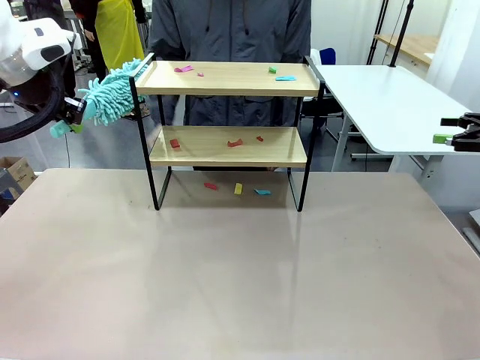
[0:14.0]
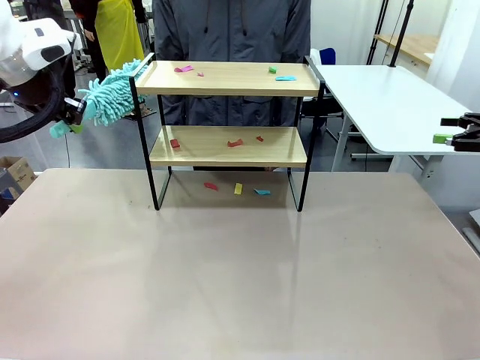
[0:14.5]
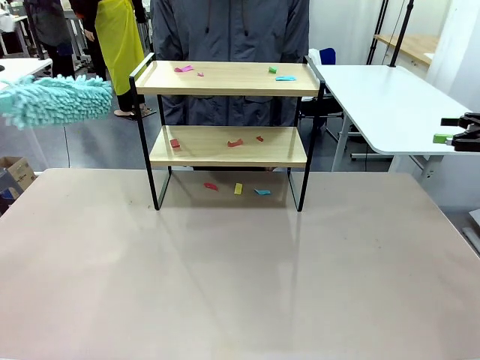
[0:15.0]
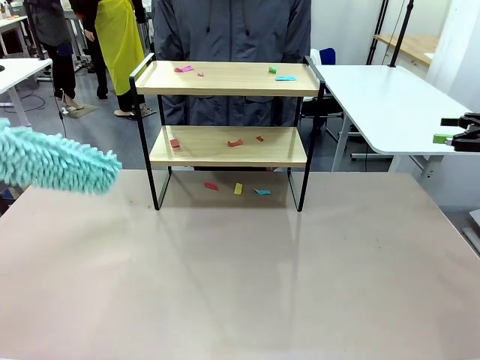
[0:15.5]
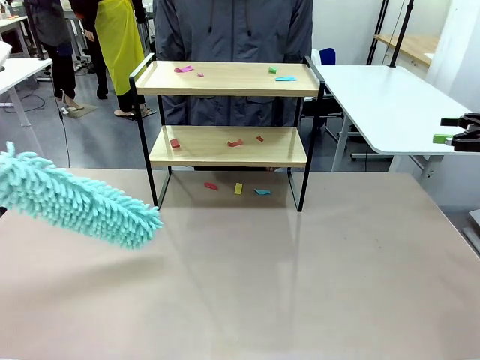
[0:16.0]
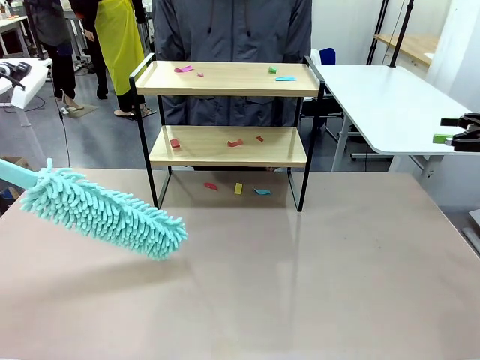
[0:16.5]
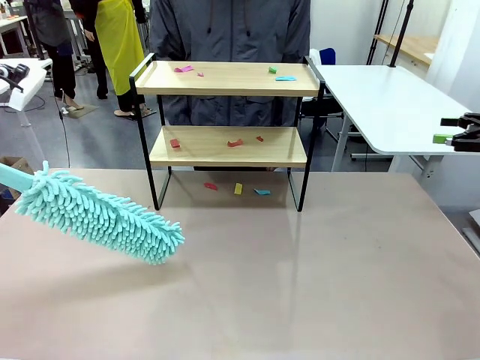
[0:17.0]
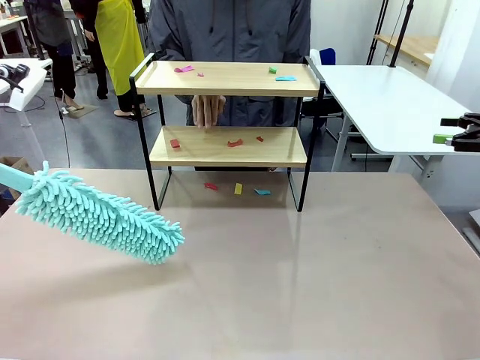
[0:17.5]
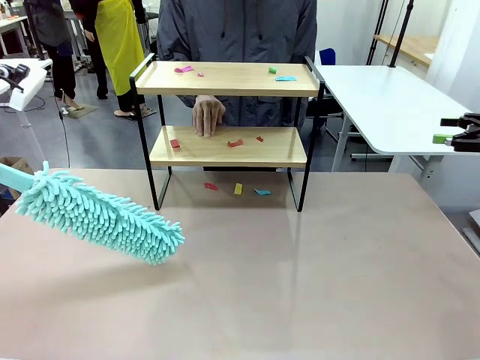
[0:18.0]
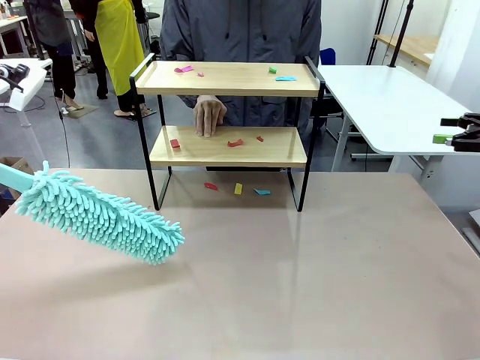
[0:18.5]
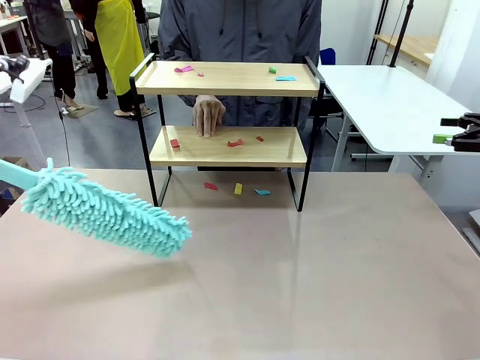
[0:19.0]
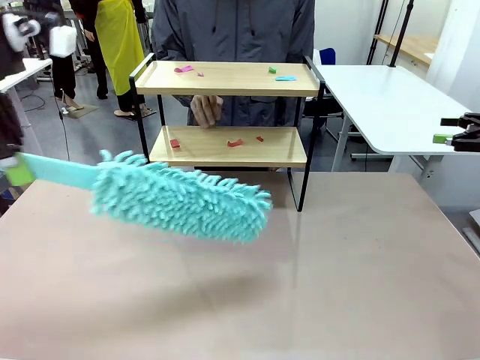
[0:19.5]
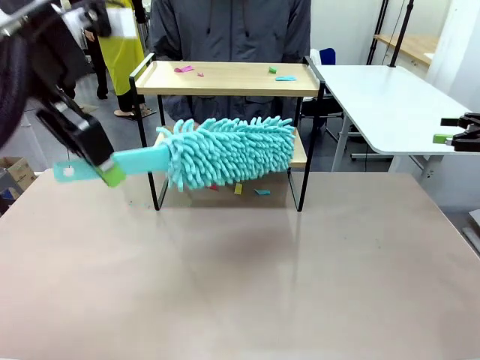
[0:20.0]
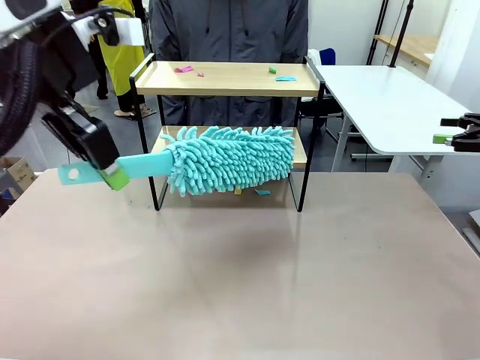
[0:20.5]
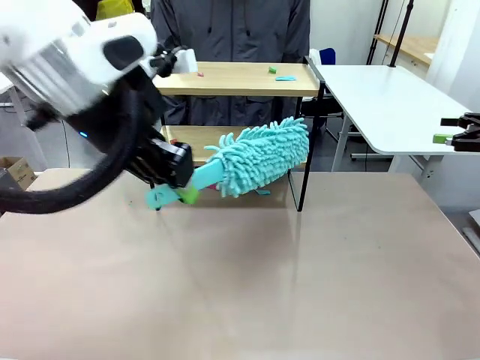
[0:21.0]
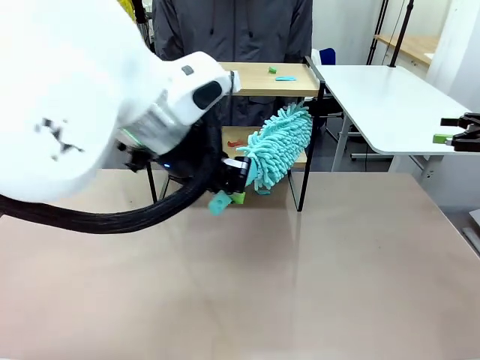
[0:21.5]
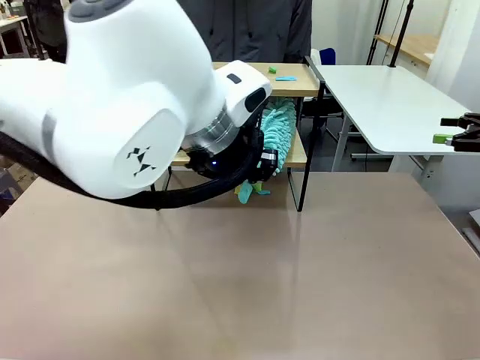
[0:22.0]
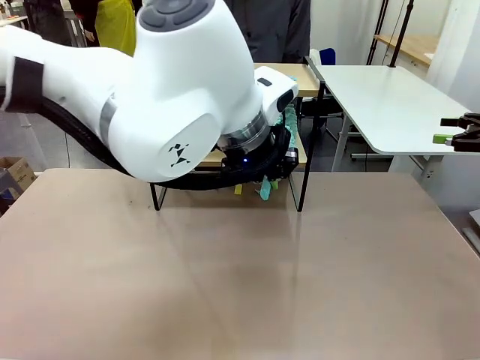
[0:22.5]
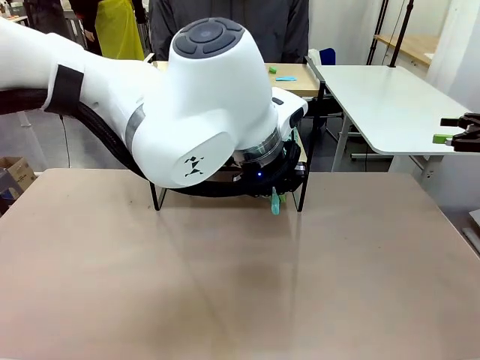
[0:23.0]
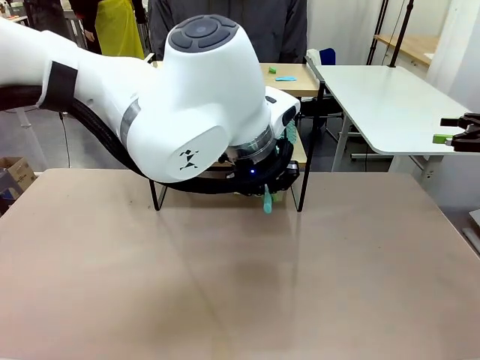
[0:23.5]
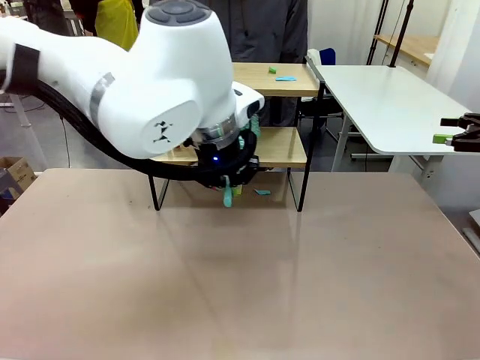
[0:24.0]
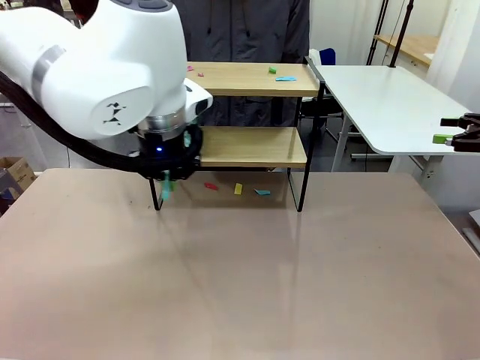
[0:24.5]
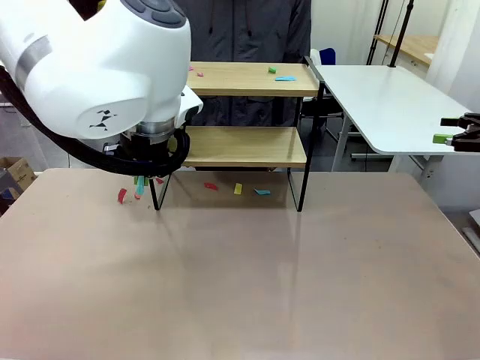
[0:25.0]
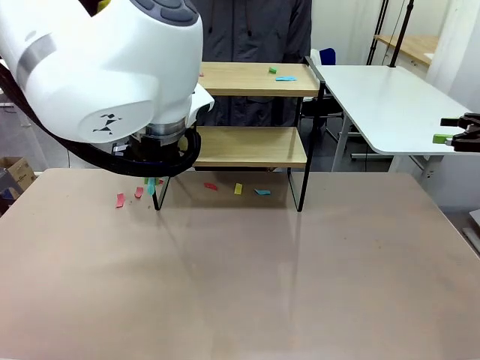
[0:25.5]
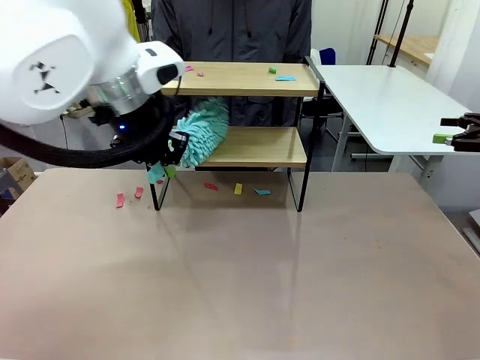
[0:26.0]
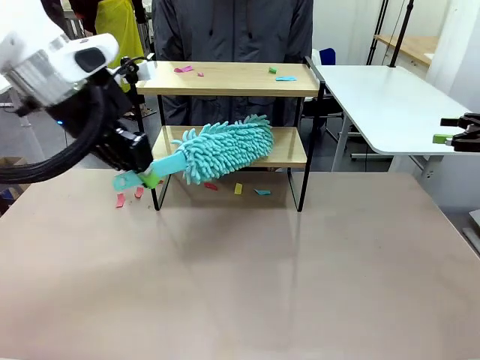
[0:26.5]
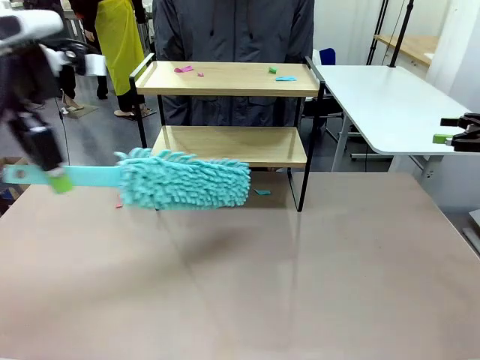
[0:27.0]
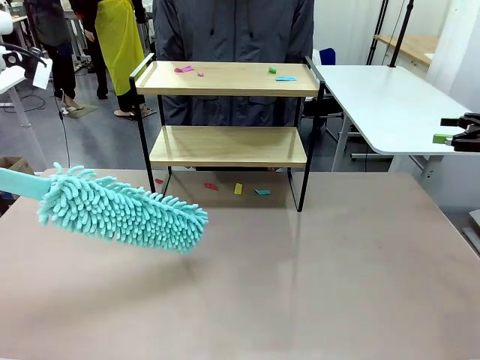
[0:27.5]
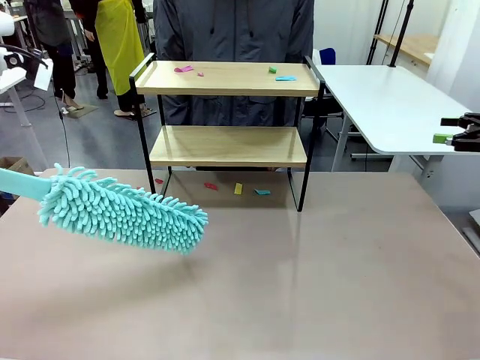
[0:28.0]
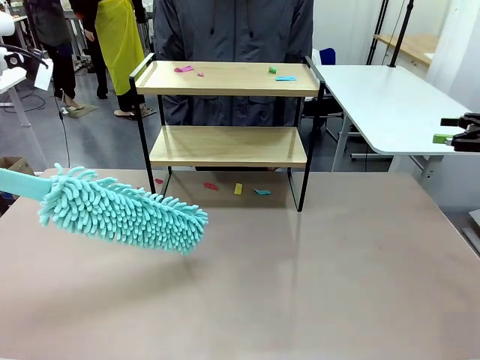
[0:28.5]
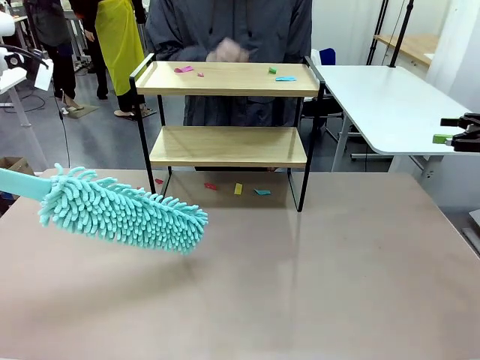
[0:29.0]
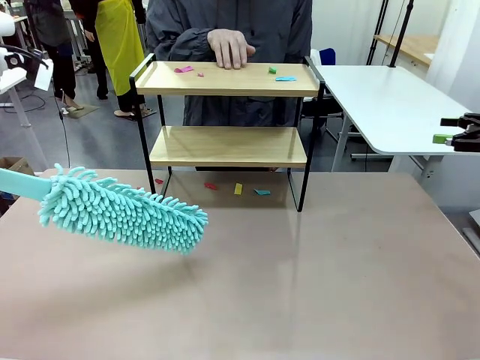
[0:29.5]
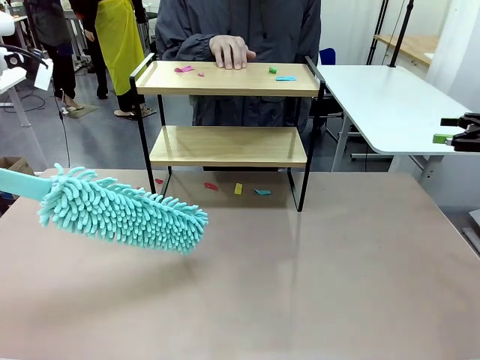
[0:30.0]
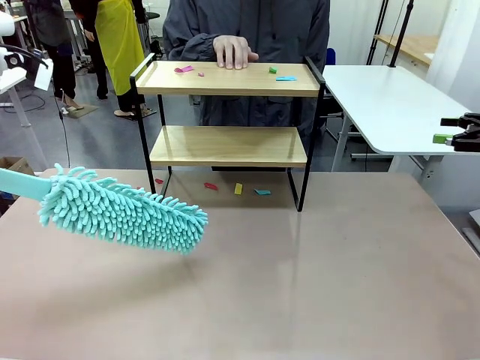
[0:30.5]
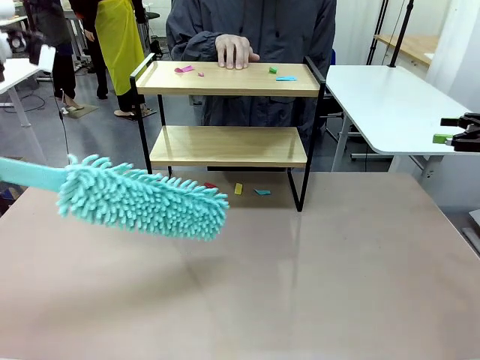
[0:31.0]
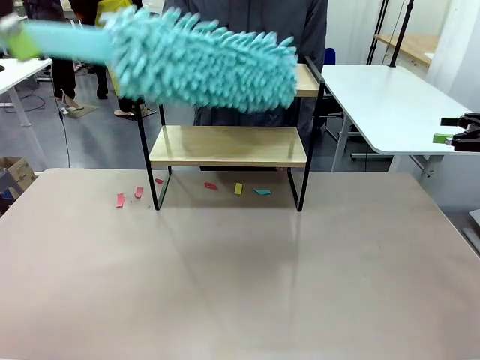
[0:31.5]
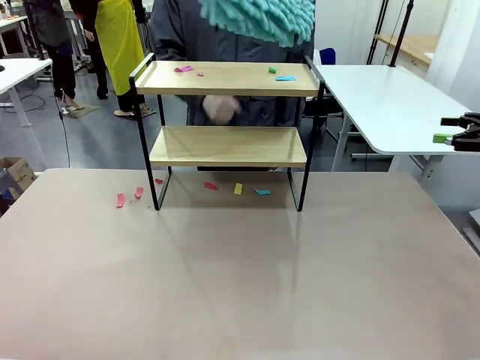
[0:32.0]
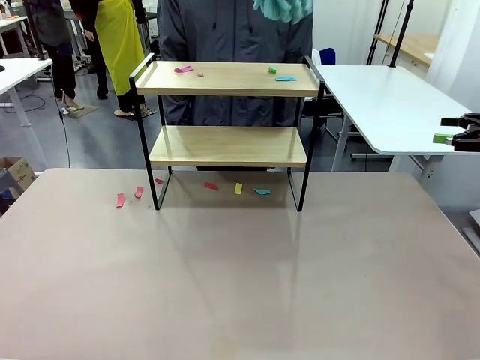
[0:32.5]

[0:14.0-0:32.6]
Task: Clean the shelf.
Robot: Clean the specific section of the Shelf indicated by the human with the Duster.
Person: Point a random section of the Shelf.

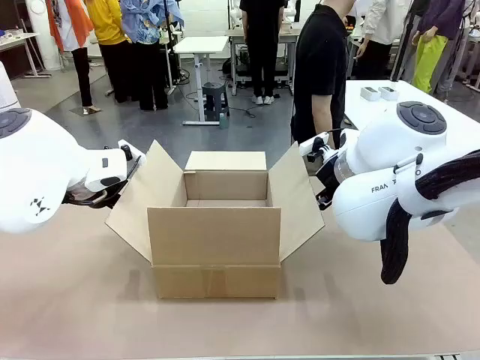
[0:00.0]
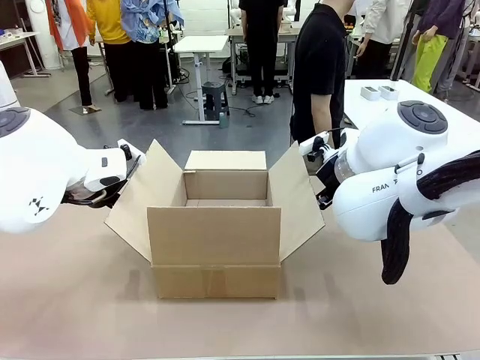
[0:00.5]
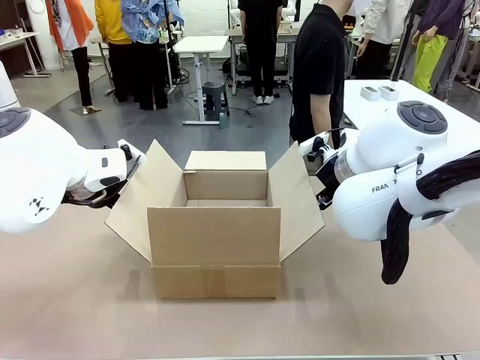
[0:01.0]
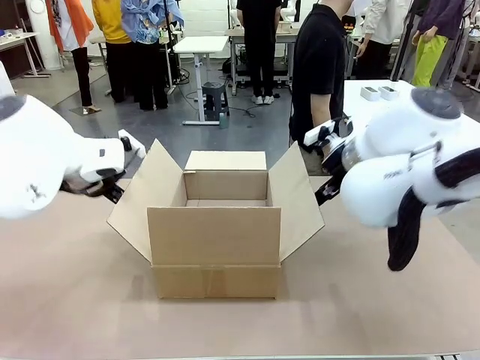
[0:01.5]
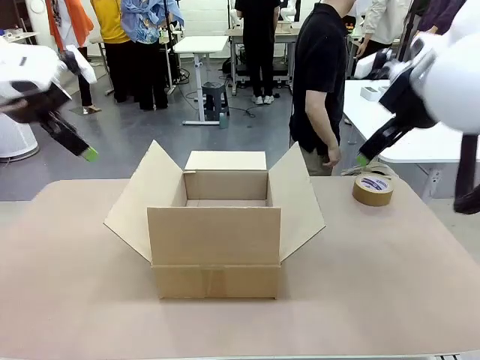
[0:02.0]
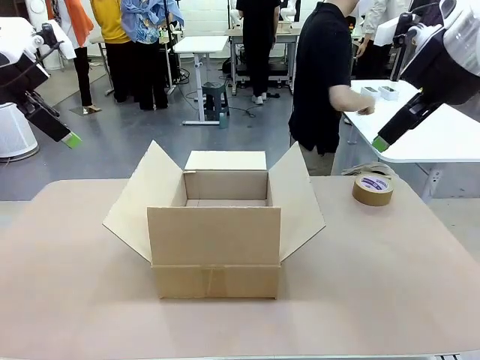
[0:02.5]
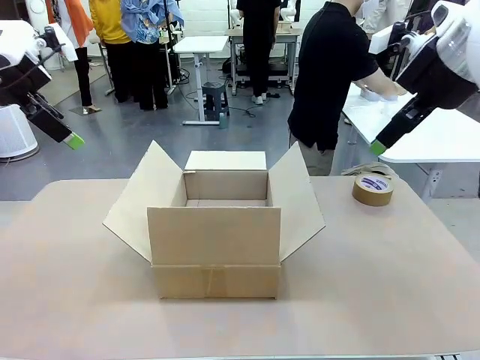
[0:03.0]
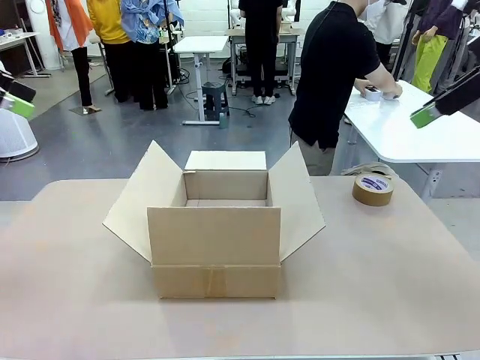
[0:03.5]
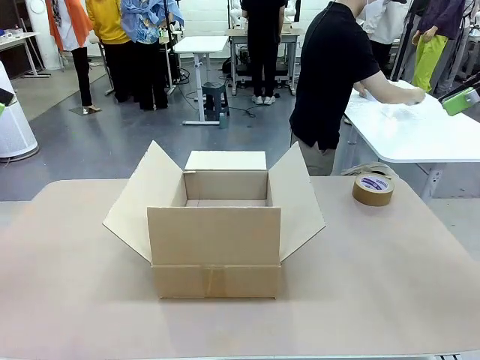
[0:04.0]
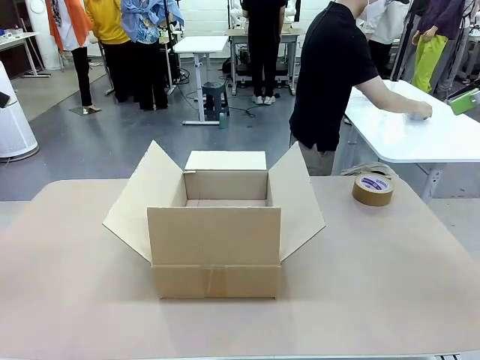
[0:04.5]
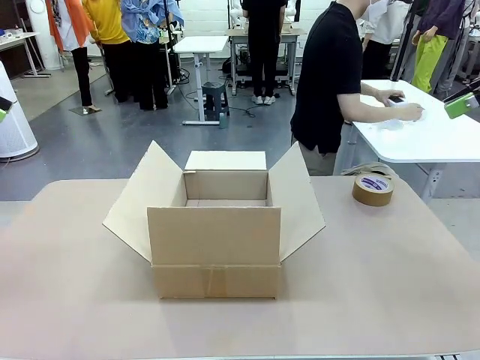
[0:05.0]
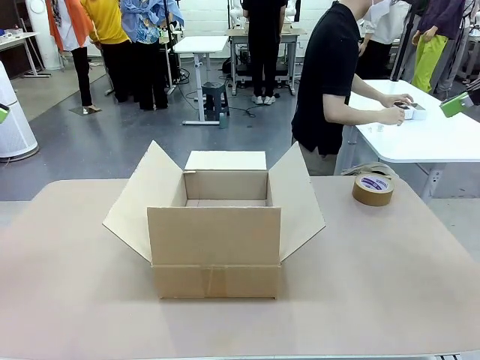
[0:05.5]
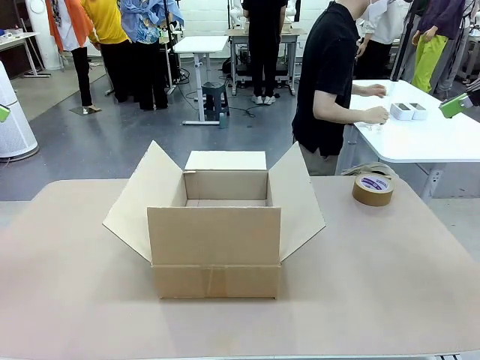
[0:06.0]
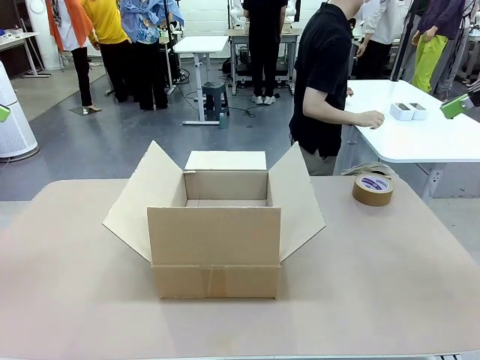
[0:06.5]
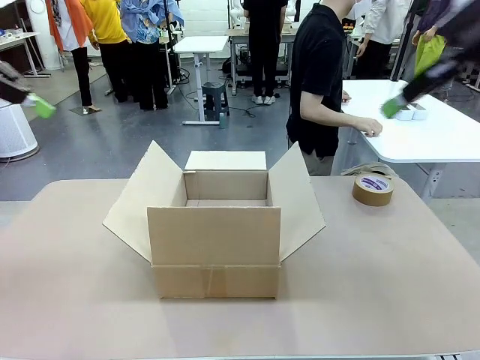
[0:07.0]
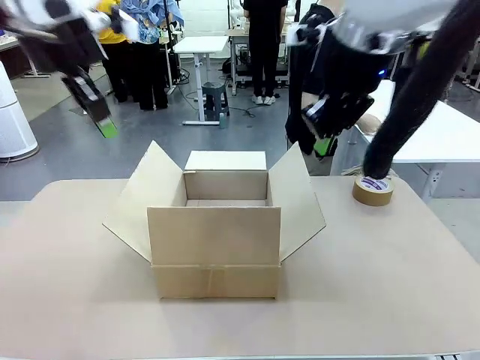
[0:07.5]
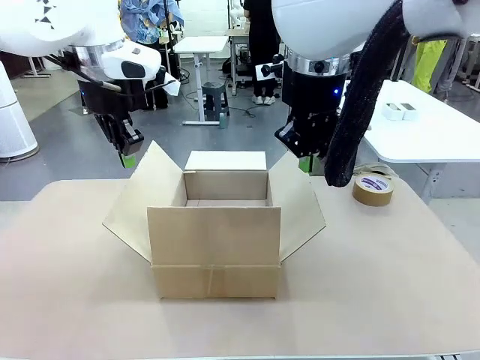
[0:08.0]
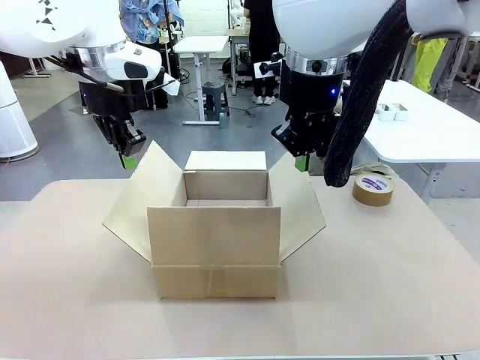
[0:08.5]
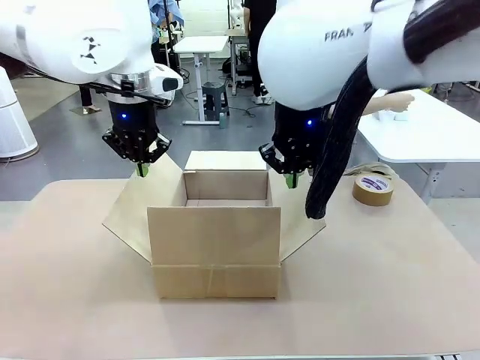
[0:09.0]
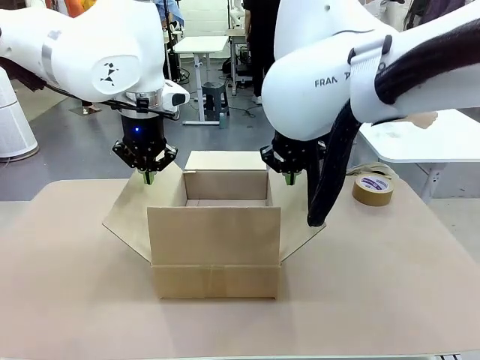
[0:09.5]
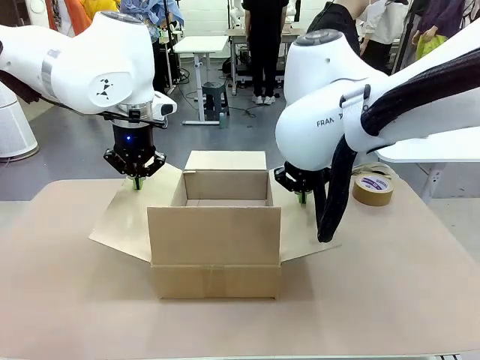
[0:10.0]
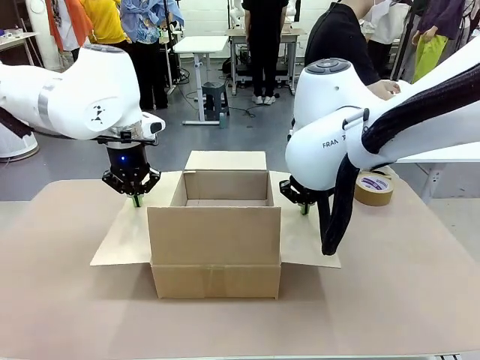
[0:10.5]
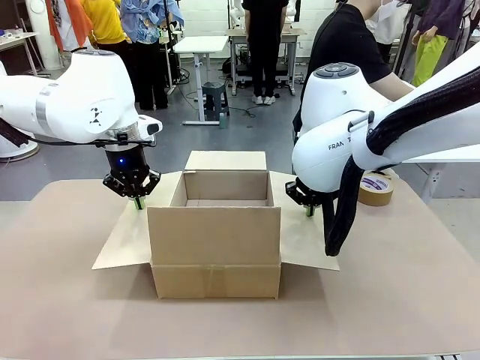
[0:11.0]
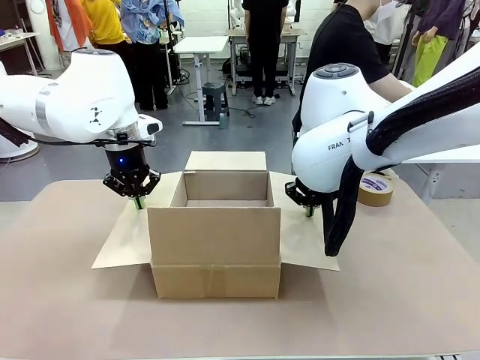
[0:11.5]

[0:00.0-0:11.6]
Task: Wrap the clocks to prevent damage.
Robot: Open the side flaps of the Package Box.
Person: Wrap the two Digital clocks with Bubble Wrap.
